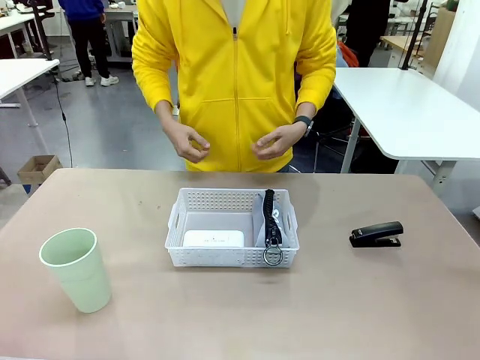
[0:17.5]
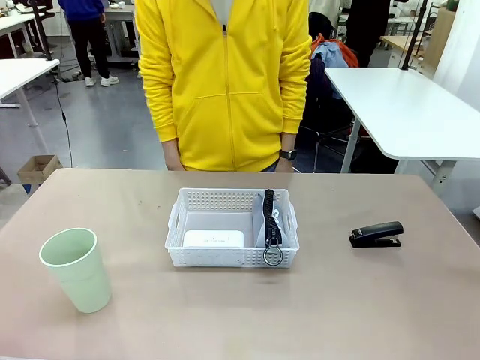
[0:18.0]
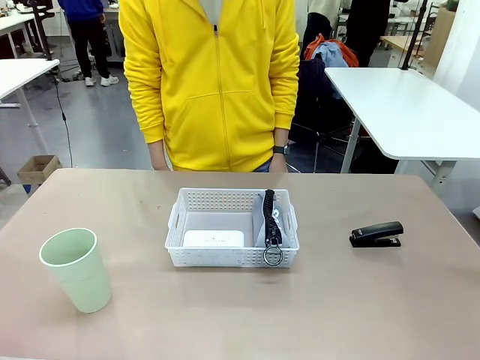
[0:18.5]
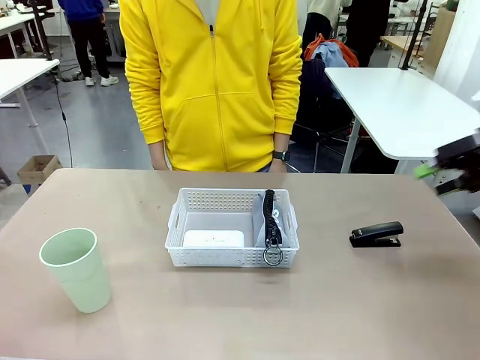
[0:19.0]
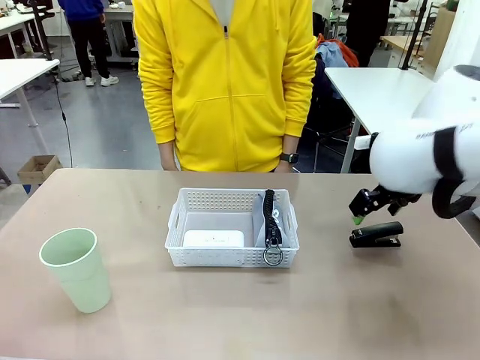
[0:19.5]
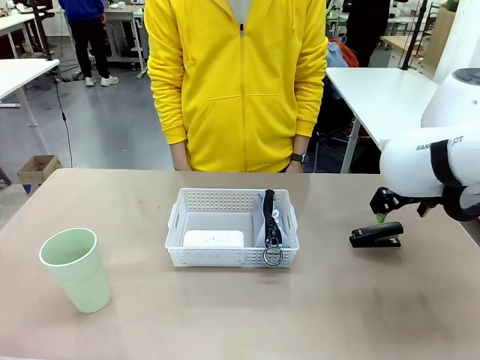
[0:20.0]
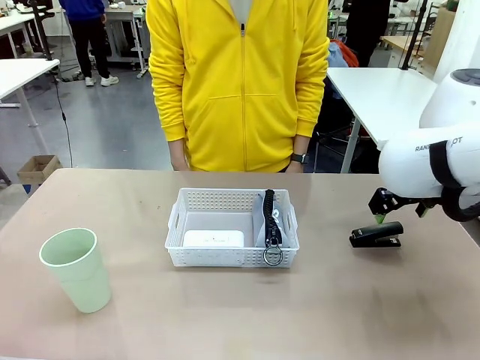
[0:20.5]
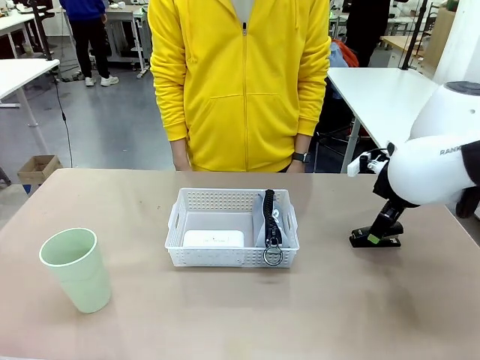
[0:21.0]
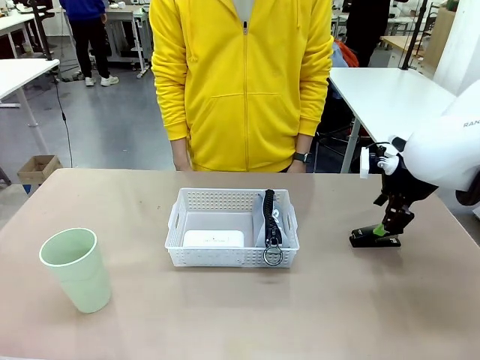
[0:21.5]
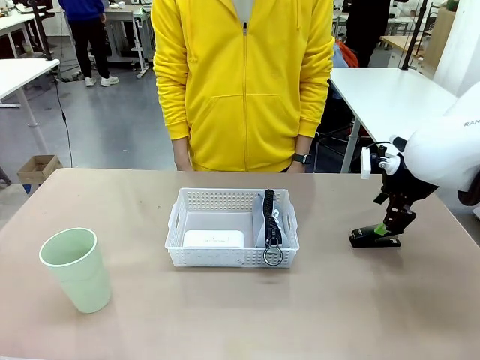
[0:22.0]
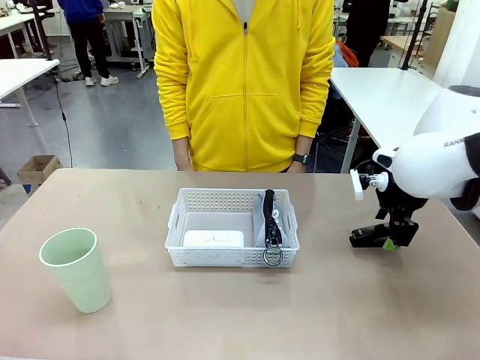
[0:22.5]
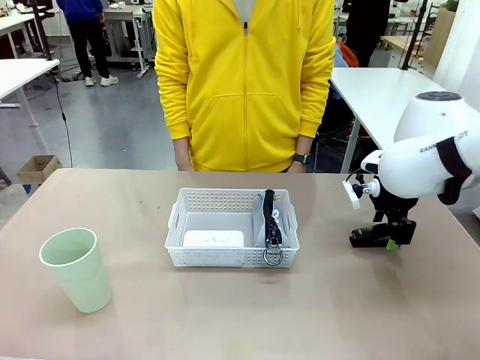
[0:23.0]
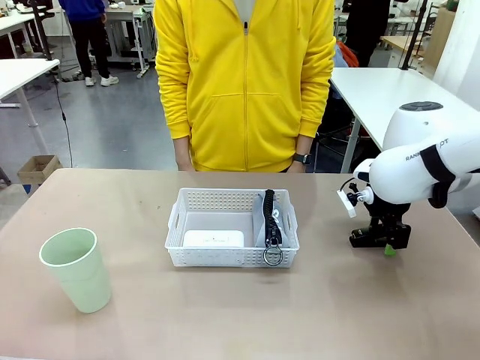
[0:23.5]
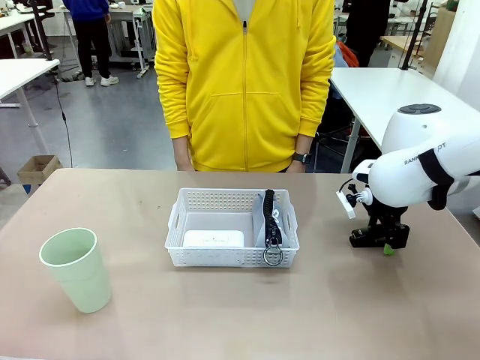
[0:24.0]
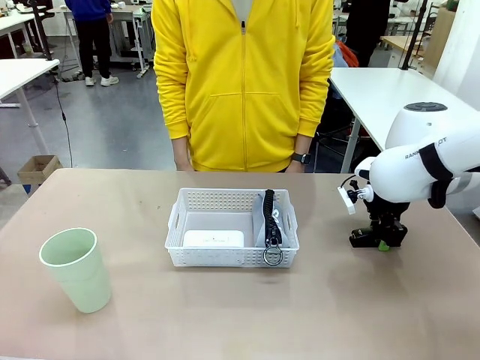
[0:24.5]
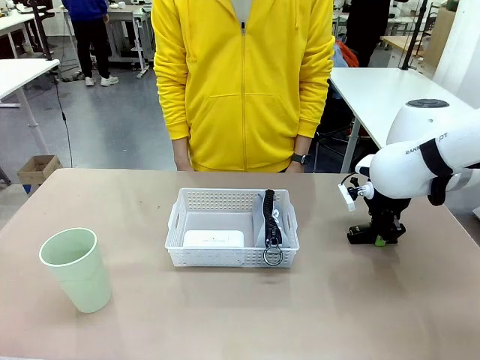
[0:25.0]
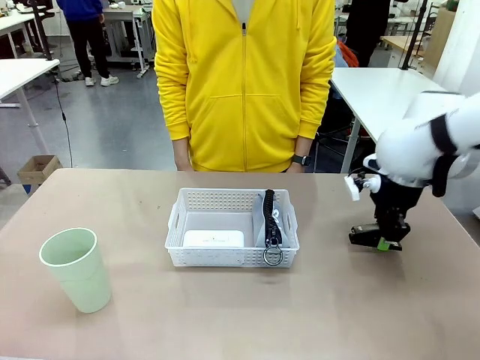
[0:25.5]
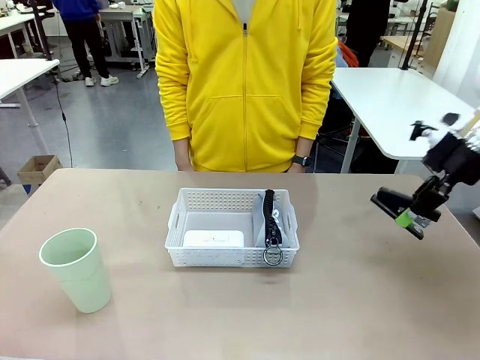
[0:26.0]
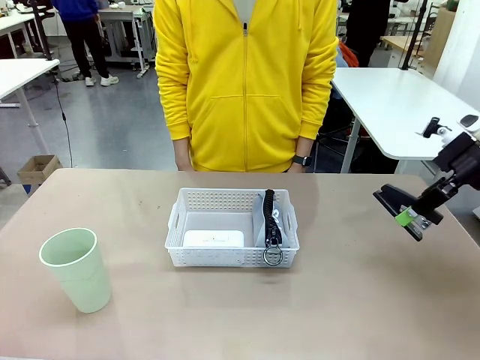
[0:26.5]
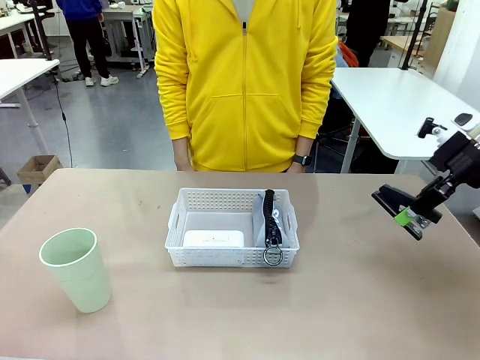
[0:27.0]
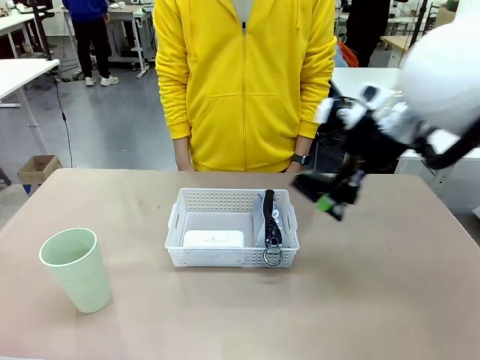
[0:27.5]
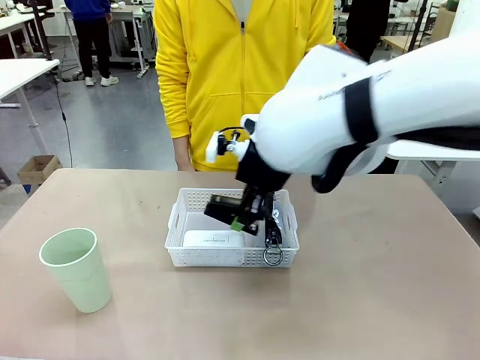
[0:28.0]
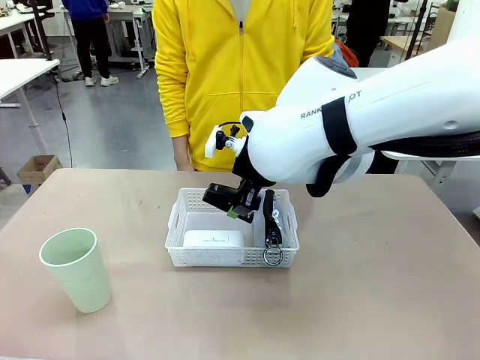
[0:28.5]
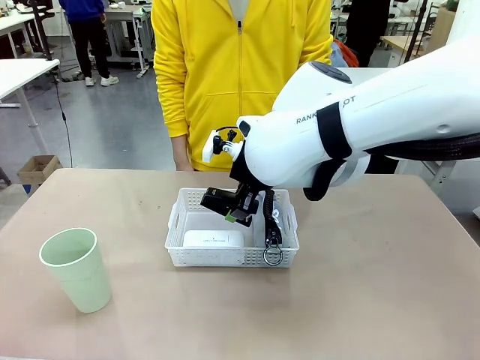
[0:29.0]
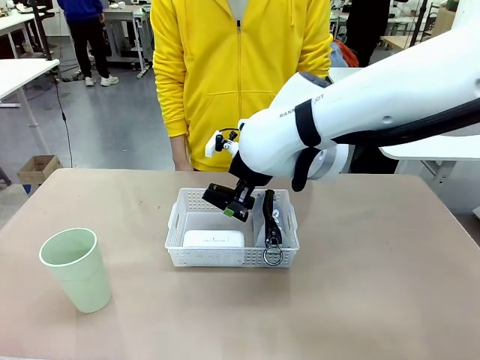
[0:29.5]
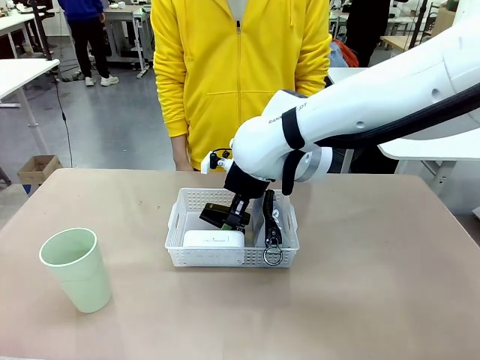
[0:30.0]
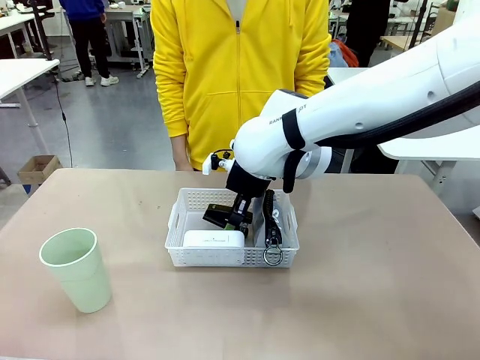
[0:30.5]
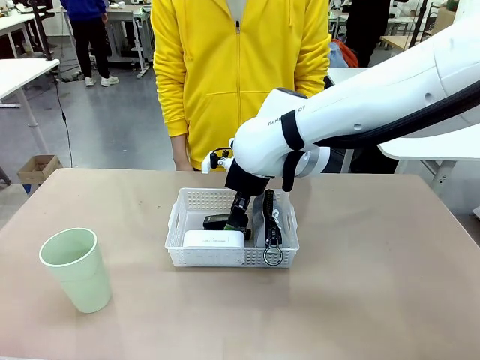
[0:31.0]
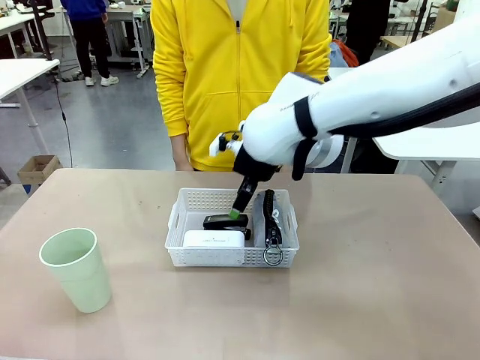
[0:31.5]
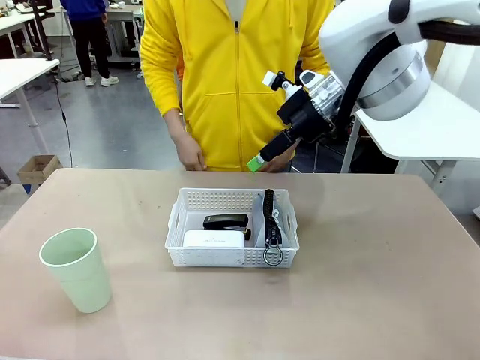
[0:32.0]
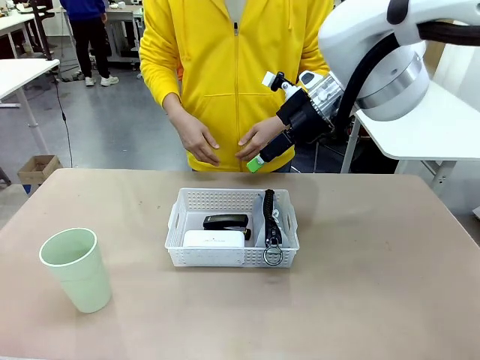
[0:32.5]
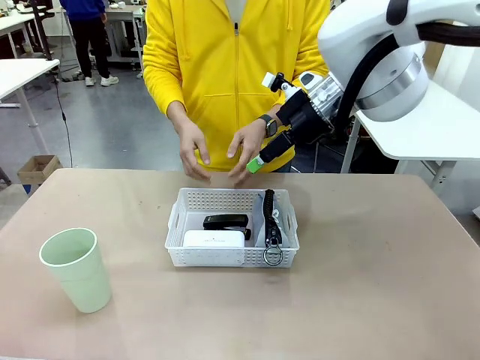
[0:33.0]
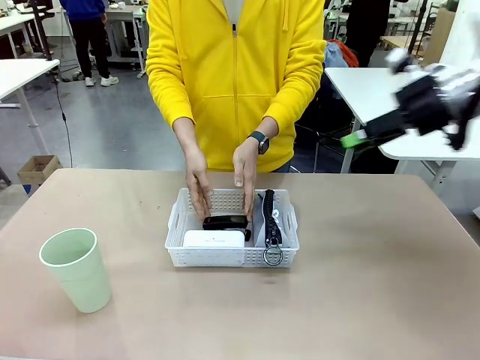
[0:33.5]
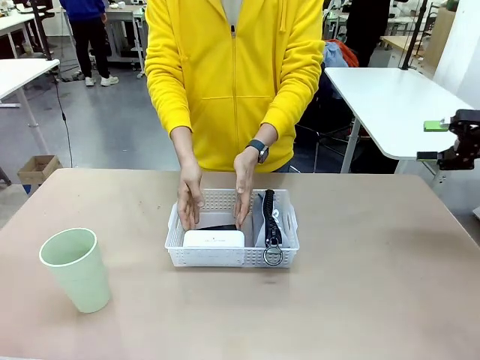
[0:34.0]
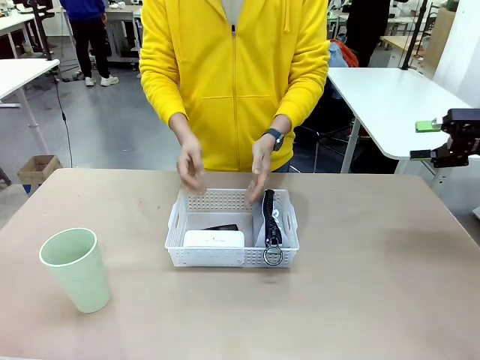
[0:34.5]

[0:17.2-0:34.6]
Task: Efficiently arrange items inside the basket to fit them all.
Robot: Pick up the Stapler and place it inside the Organizing basket.

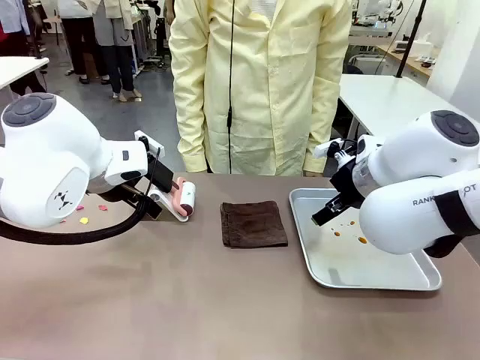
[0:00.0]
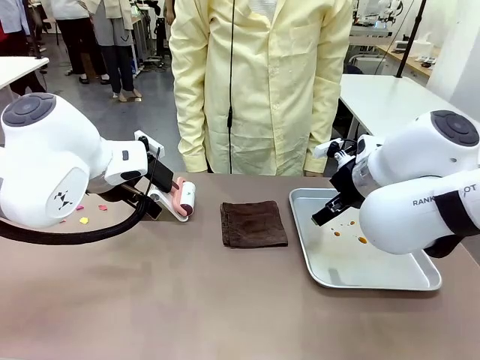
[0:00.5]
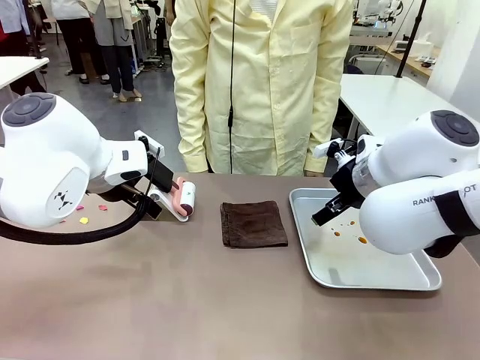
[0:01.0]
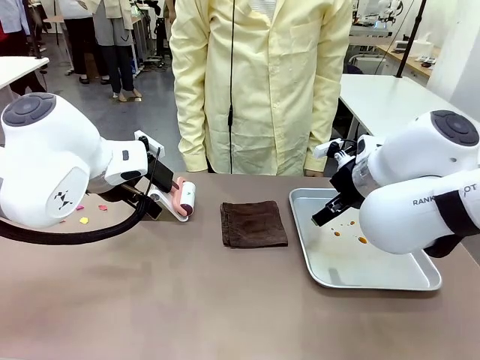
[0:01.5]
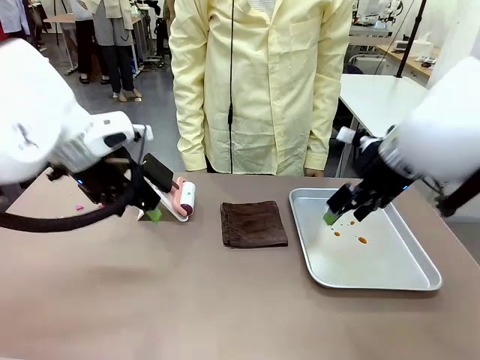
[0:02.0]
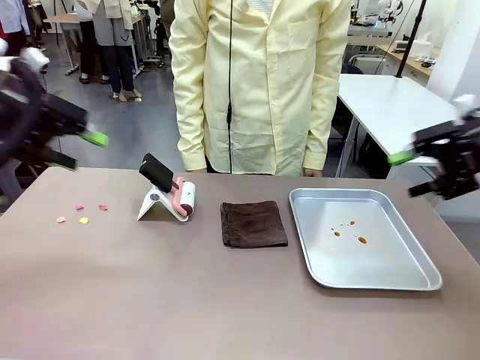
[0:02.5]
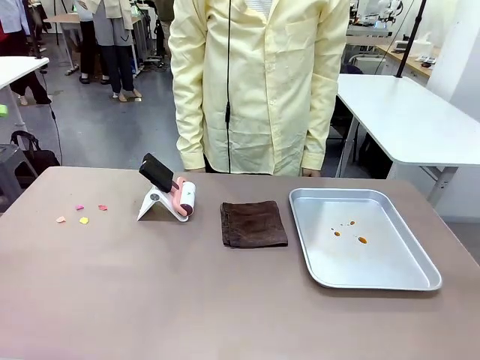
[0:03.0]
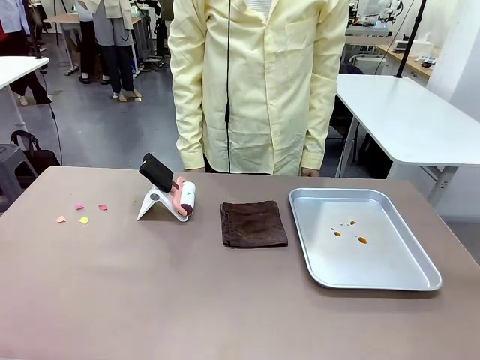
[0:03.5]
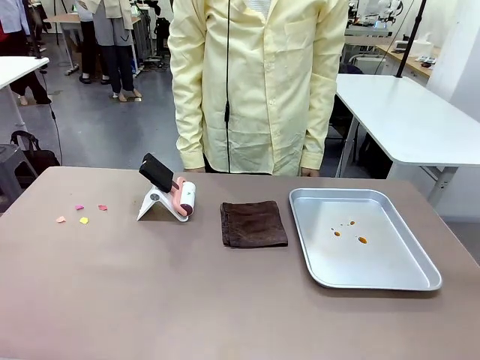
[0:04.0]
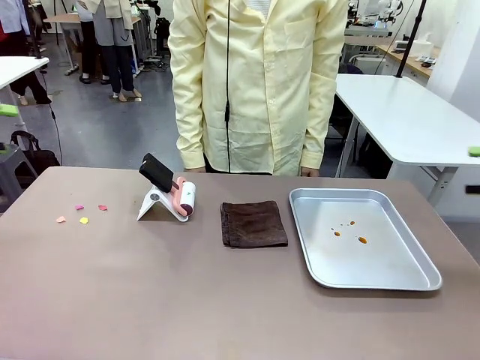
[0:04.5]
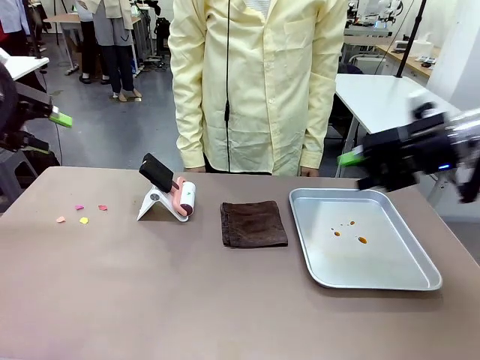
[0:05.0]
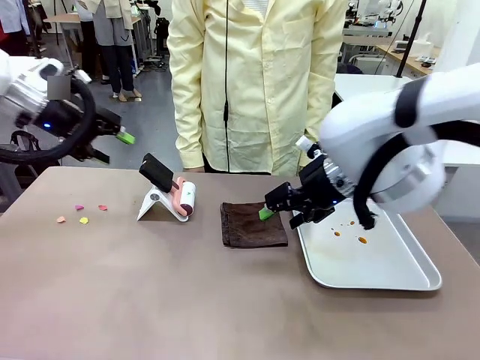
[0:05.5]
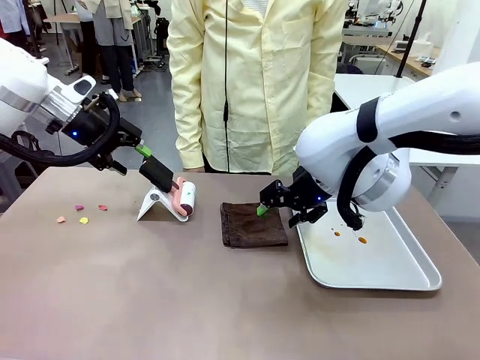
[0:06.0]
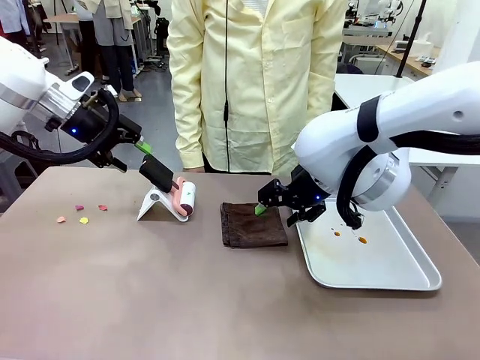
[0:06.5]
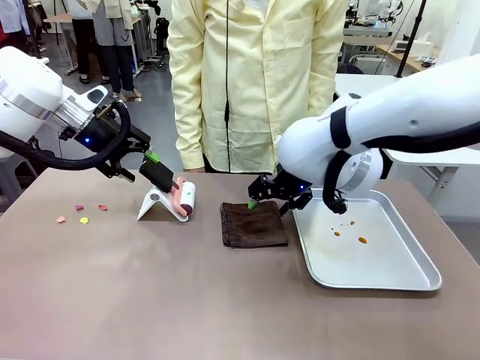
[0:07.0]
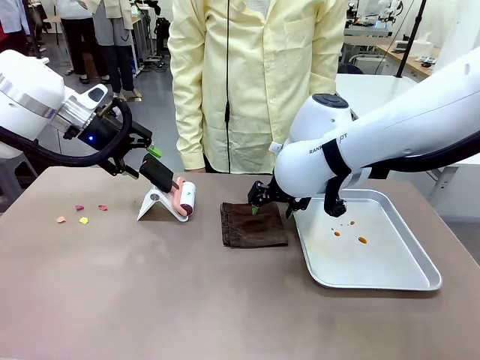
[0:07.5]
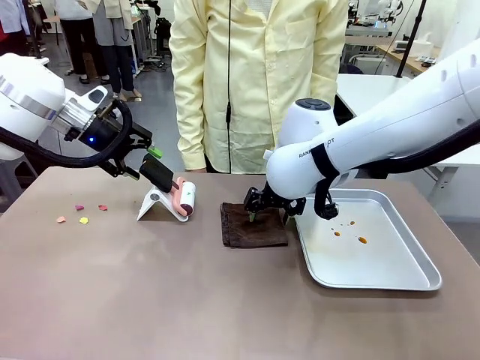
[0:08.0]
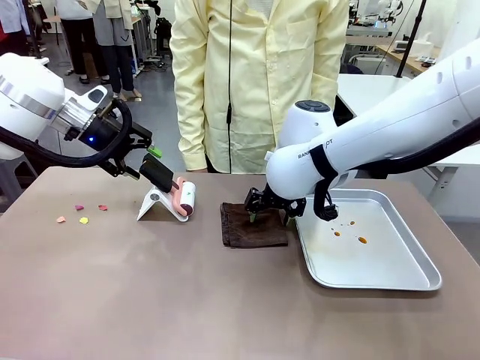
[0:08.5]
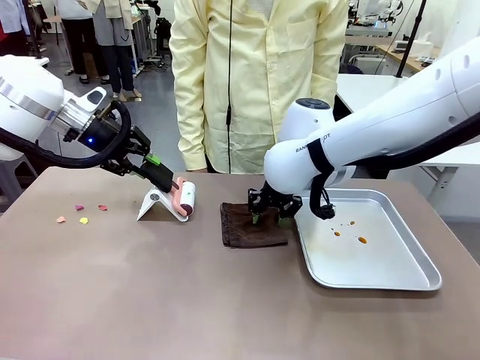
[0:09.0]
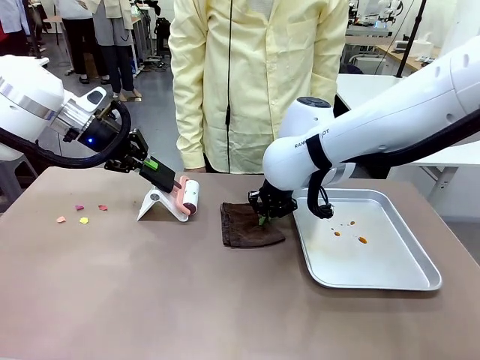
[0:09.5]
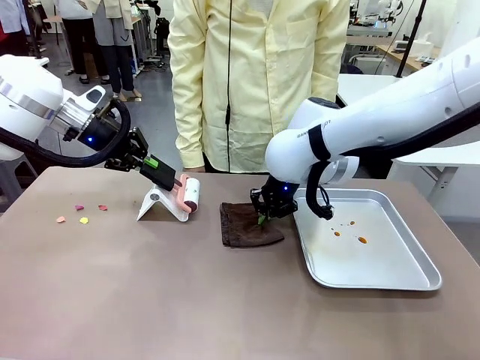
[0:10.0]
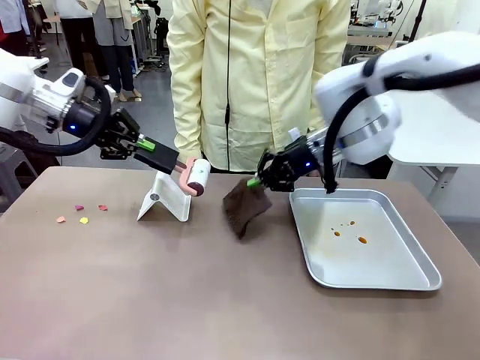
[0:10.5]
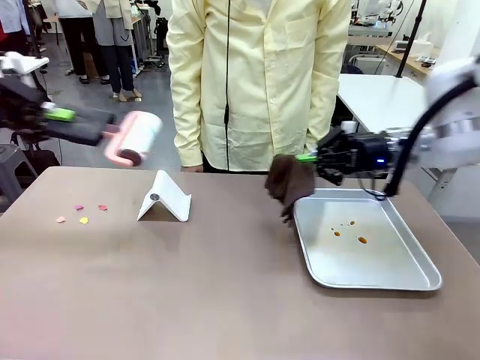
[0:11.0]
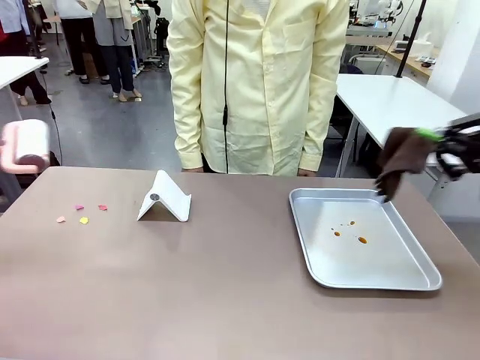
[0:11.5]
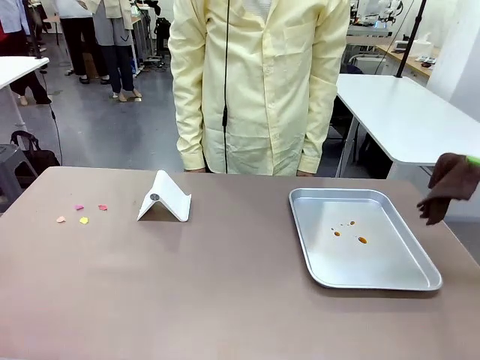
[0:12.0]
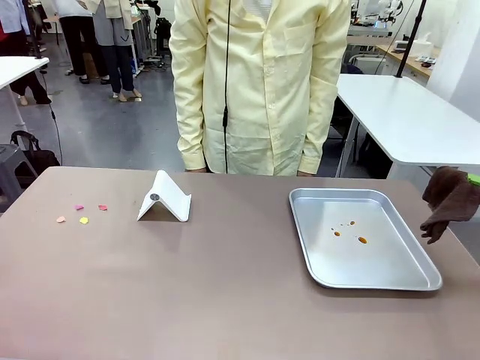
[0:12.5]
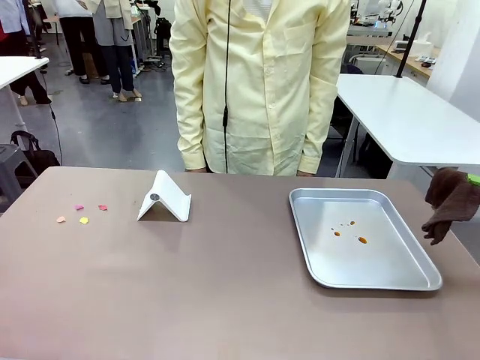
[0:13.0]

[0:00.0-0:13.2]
Task: Clean the surface of the table.
Robot: Hold the Lint Roller with your left hand and the towel with your right hand.
